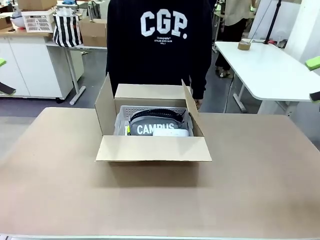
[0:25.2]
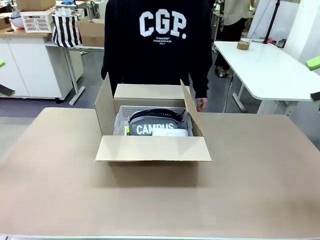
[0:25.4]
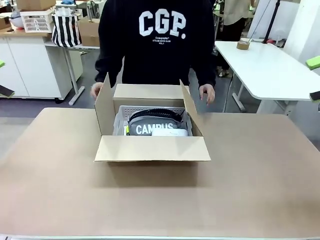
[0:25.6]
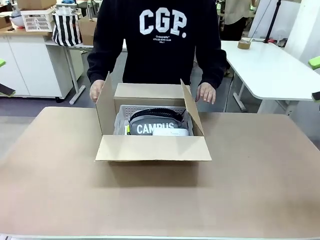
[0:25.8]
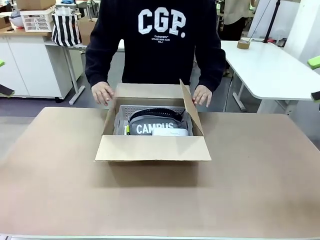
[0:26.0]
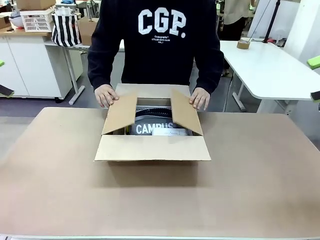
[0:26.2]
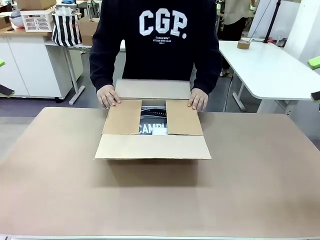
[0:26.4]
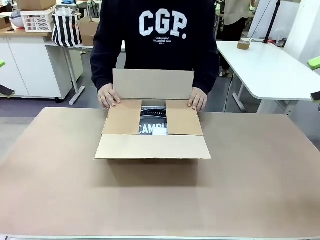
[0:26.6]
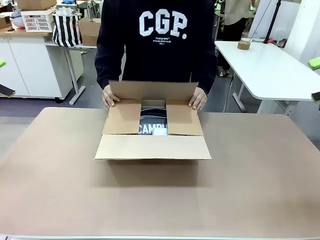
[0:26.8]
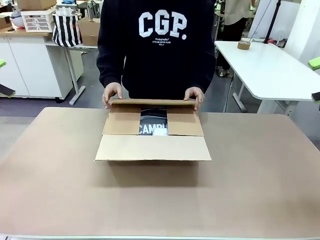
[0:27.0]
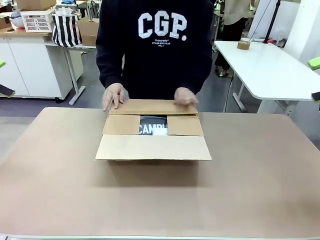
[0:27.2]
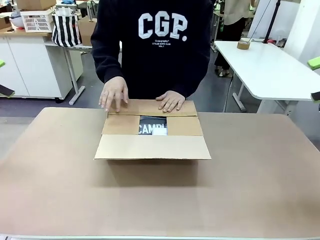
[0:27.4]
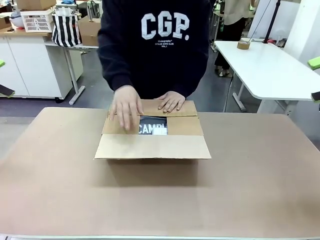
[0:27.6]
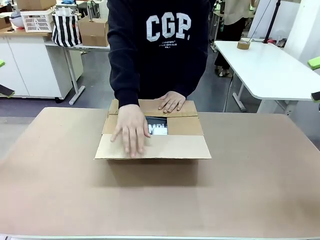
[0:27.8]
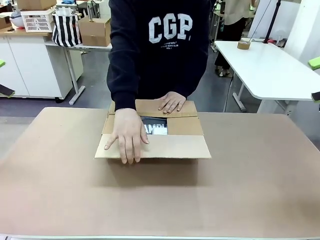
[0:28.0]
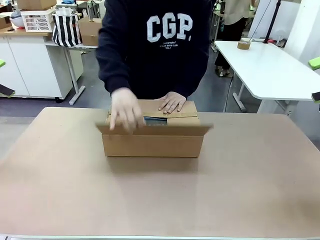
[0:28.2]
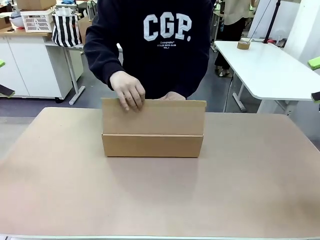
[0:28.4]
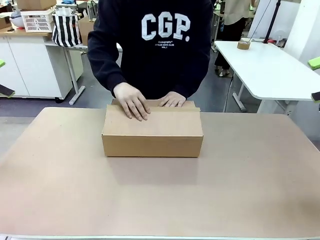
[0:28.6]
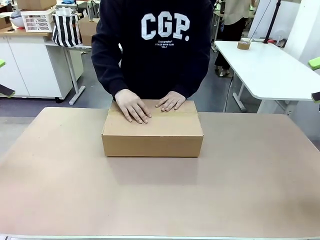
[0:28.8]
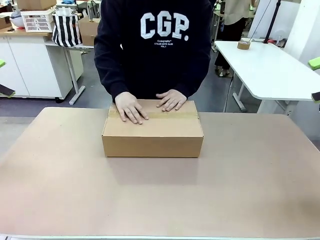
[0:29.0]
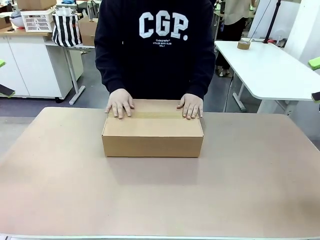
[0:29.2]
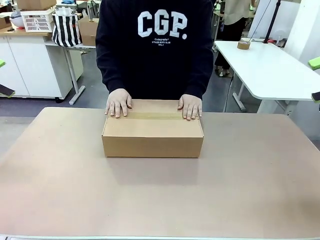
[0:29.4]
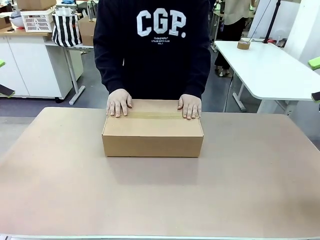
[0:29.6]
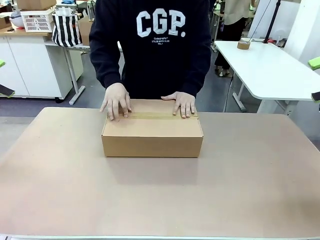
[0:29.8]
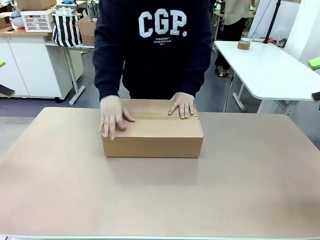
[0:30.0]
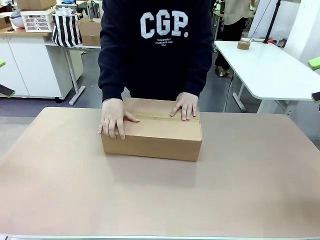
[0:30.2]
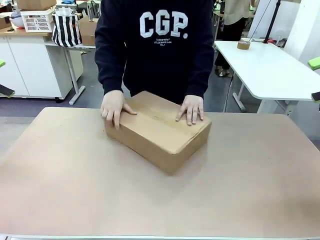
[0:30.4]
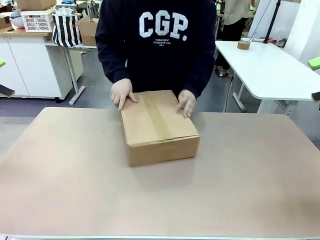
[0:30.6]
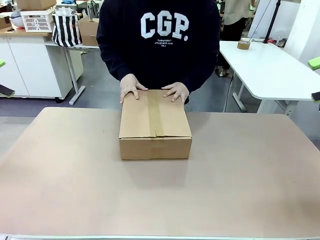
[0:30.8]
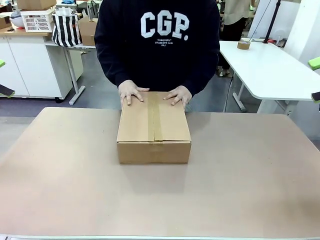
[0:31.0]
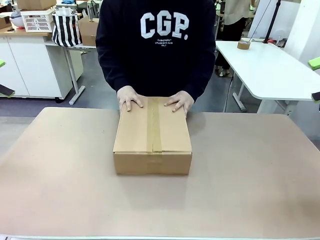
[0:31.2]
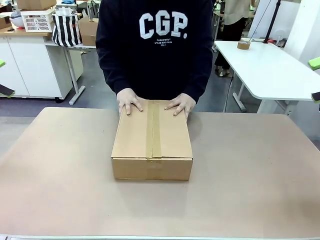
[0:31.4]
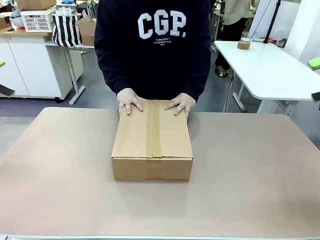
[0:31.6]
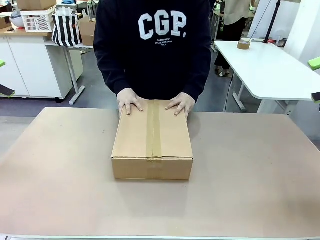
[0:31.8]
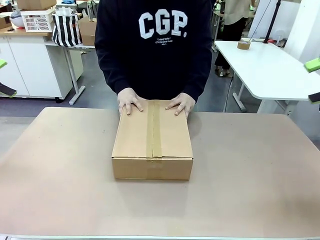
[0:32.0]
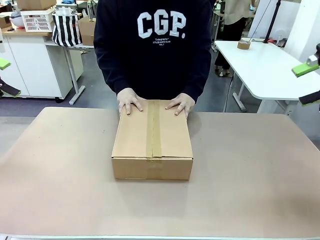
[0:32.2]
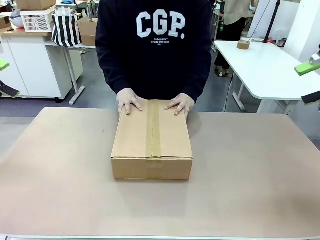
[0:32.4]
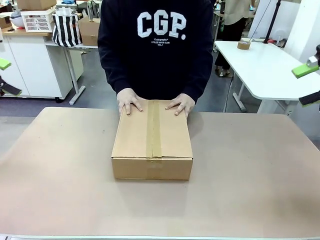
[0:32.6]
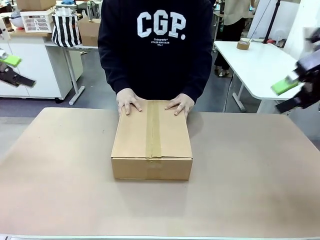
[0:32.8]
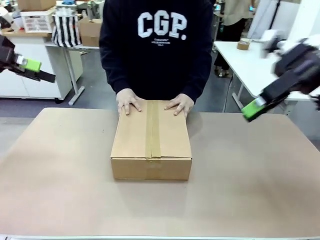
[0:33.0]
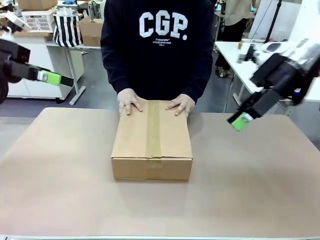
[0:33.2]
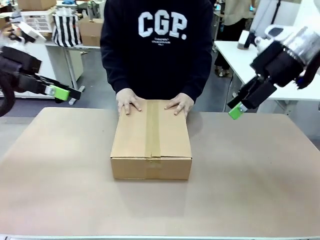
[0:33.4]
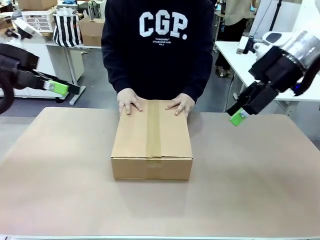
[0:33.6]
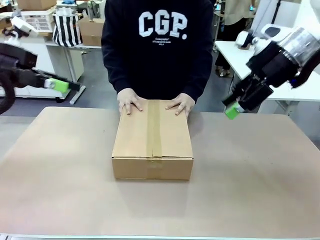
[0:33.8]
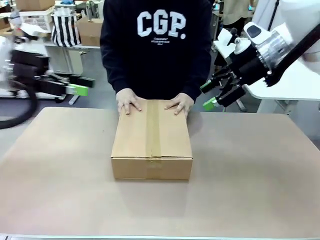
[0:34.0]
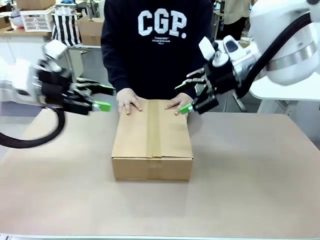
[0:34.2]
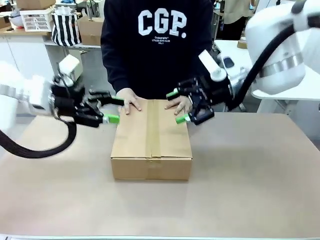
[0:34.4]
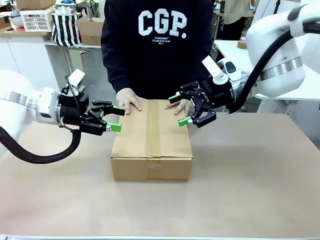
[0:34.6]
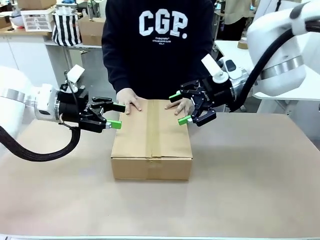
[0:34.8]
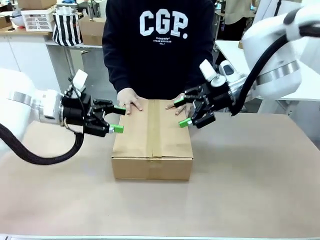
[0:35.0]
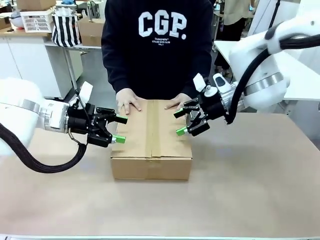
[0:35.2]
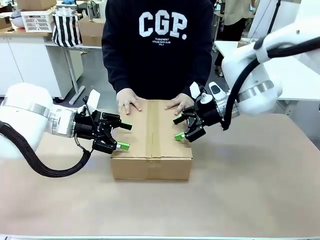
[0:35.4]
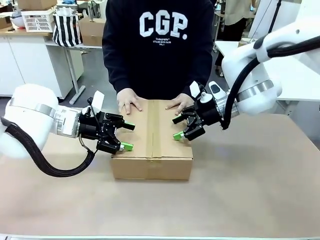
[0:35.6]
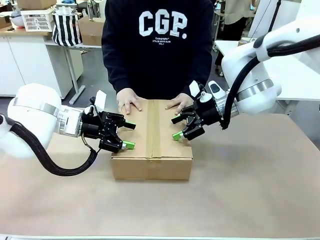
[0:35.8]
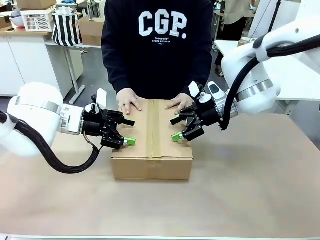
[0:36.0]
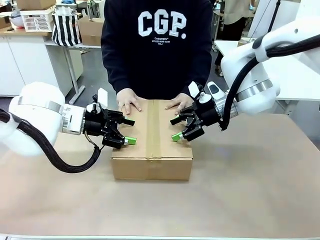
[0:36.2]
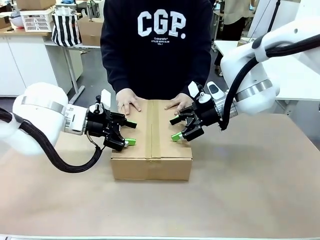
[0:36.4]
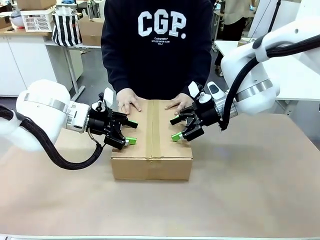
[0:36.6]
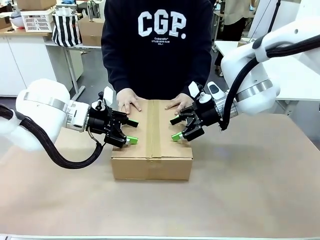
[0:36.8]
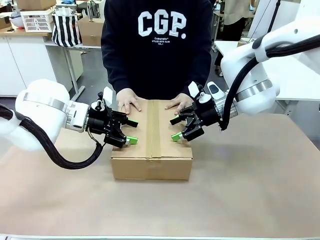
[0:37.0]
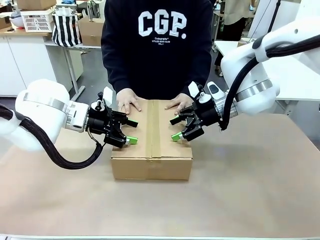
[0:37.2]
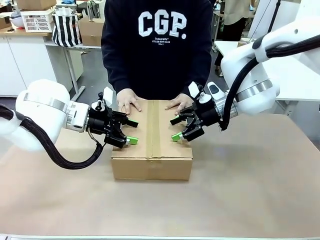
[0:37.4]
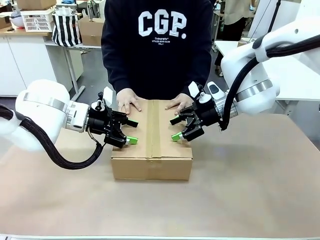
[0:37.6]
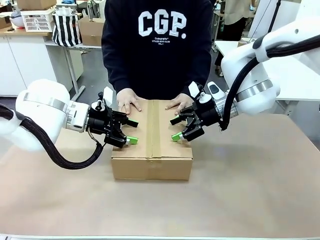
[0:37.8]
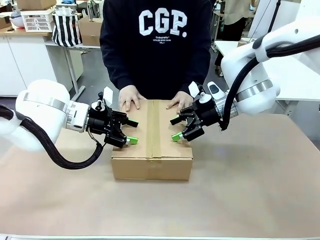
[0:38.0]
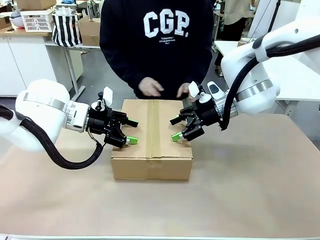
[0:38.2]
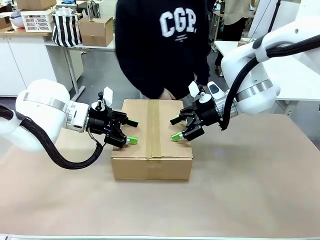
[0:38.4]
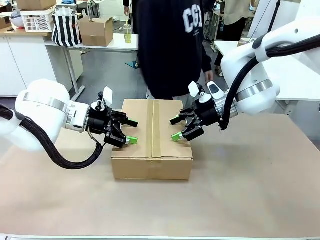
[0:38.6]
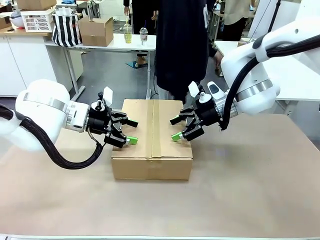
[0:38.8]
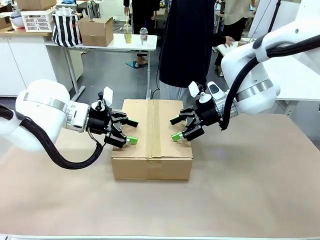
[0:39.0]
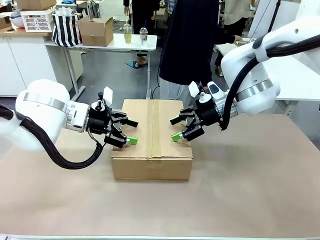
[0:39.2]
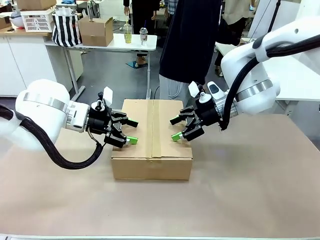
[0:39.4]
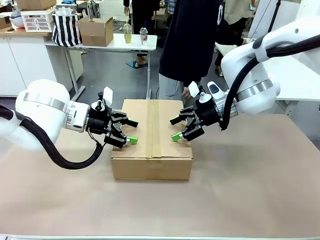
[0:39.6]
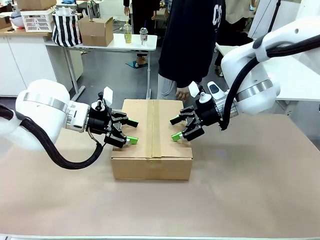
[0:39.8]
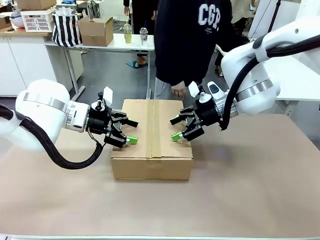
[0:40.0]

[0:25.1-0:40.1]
Task: Pack the gift set into the box.
Robot: Press and hold the closed box until the human finishes sealing it.
Person: The human closes the box and rotates the box by 90 degrees.
